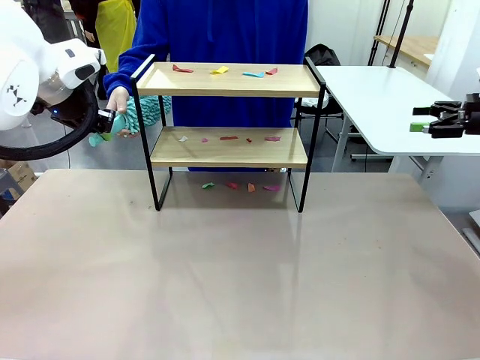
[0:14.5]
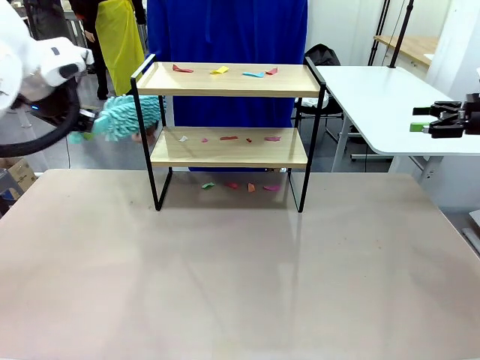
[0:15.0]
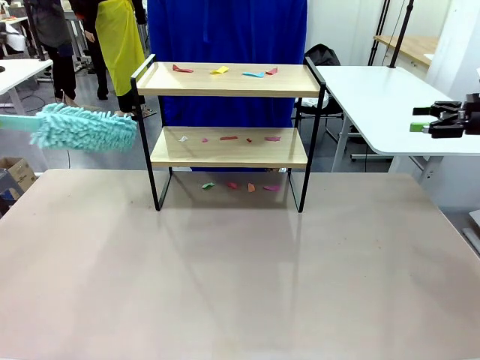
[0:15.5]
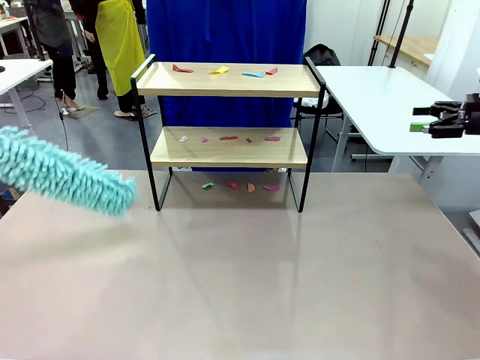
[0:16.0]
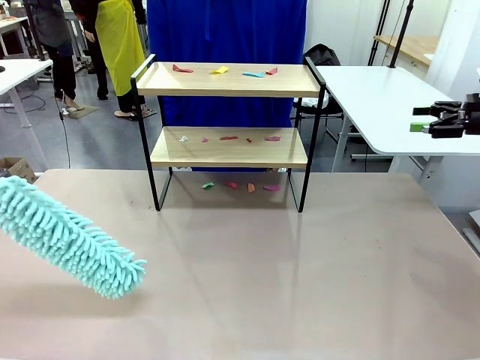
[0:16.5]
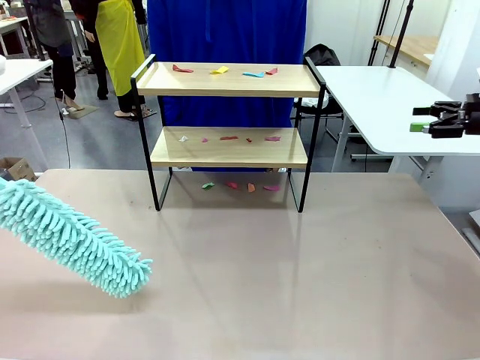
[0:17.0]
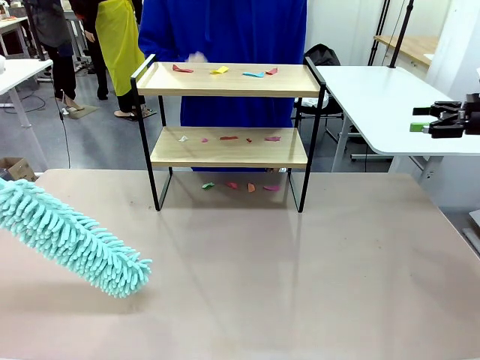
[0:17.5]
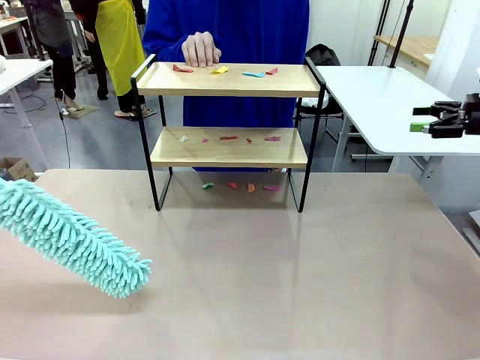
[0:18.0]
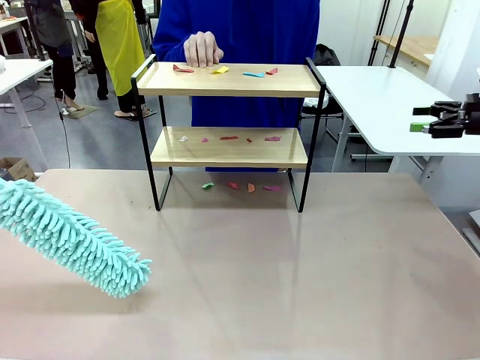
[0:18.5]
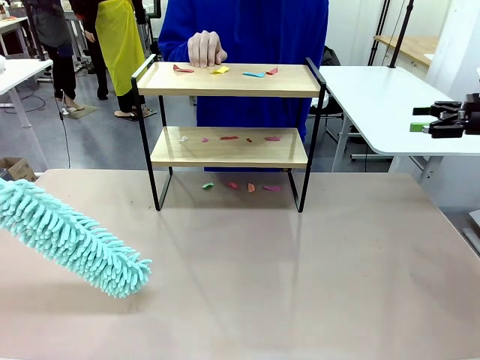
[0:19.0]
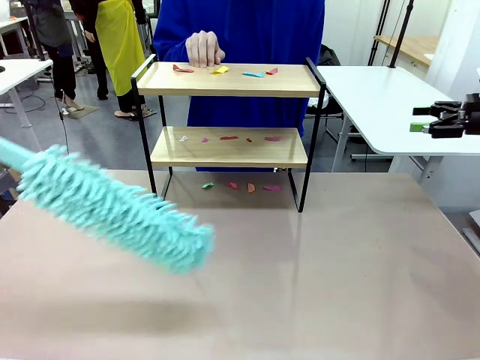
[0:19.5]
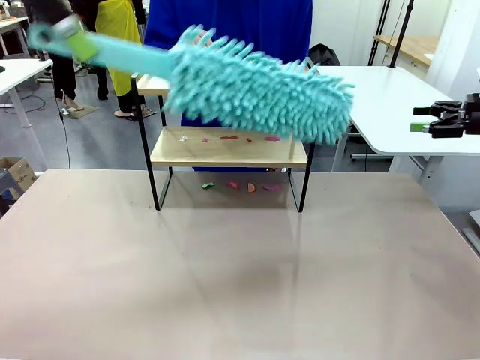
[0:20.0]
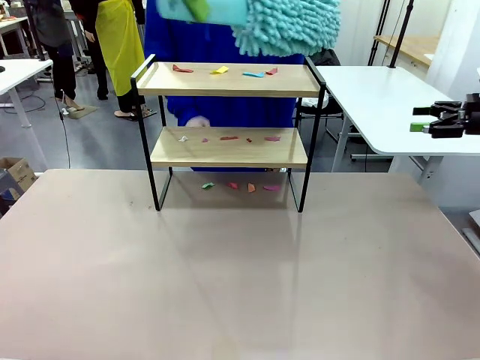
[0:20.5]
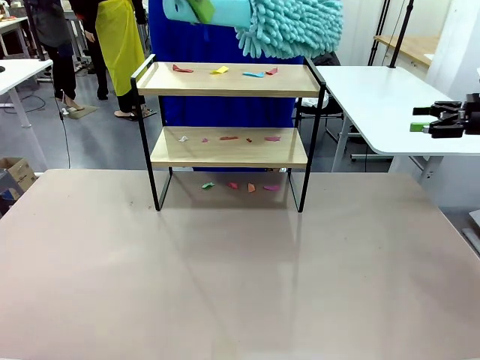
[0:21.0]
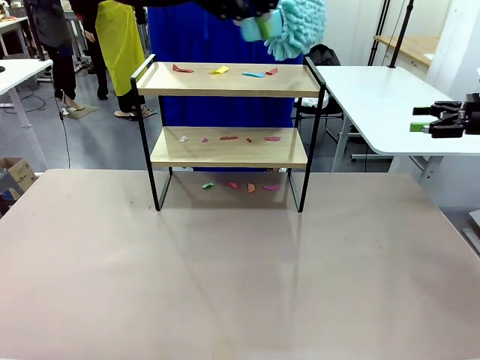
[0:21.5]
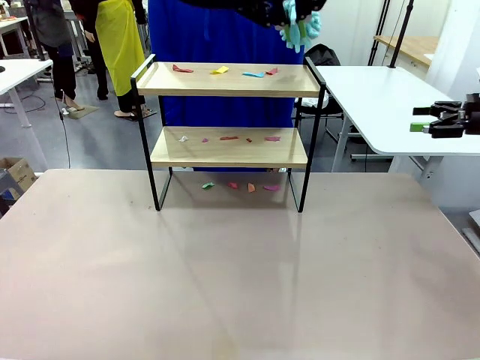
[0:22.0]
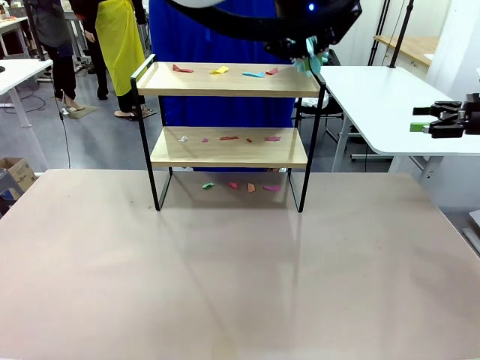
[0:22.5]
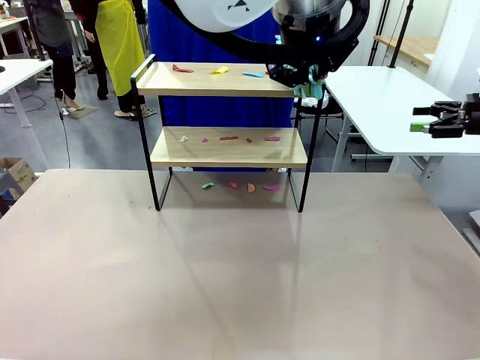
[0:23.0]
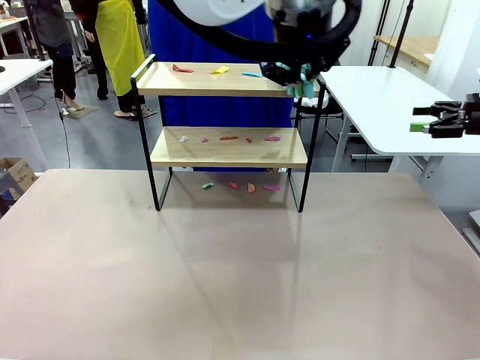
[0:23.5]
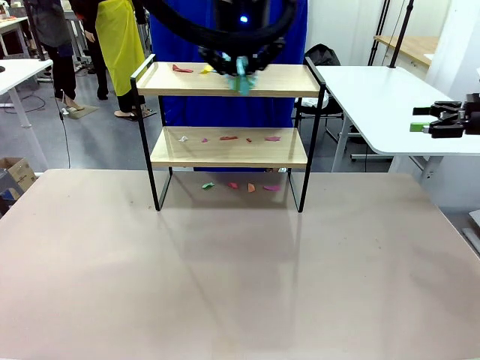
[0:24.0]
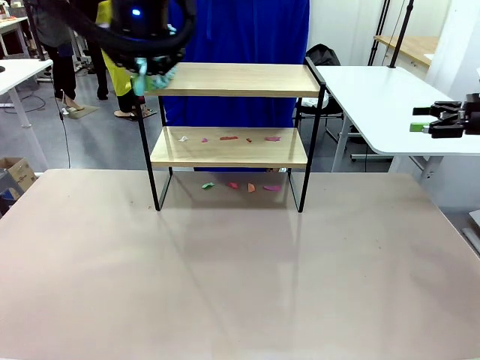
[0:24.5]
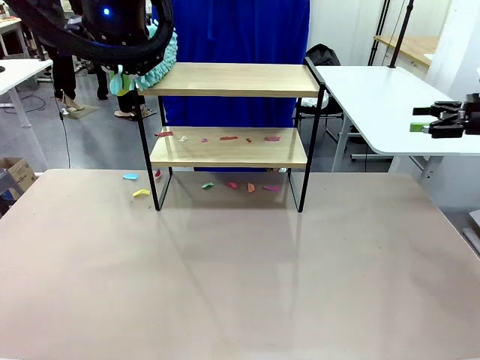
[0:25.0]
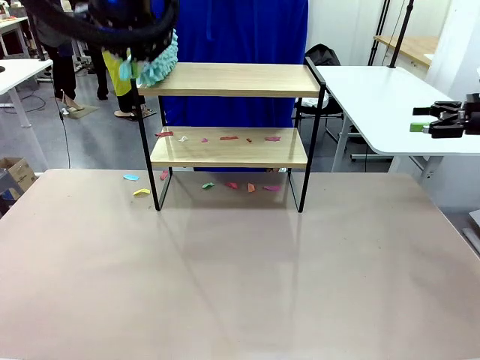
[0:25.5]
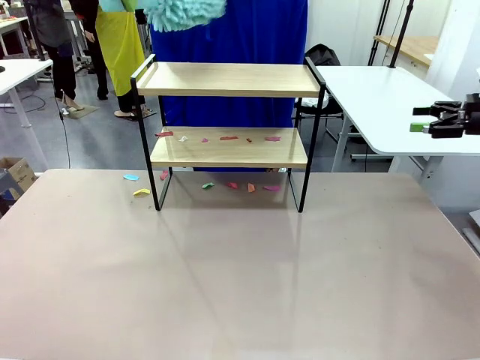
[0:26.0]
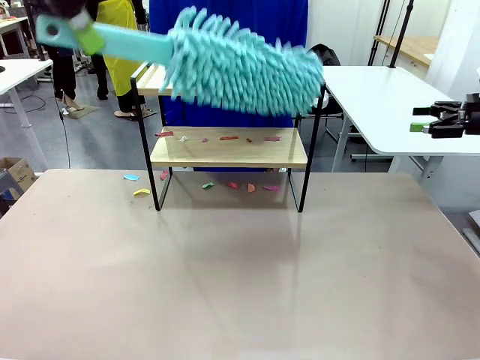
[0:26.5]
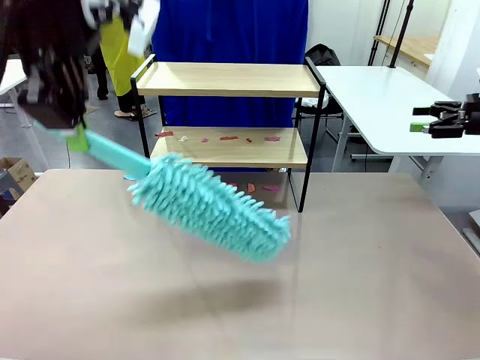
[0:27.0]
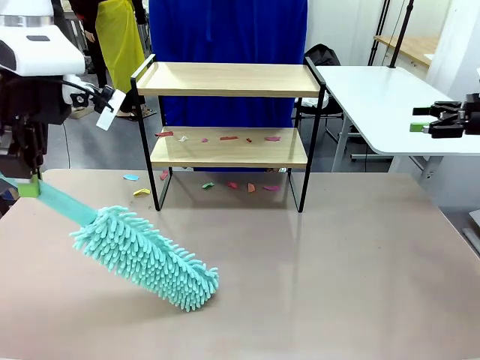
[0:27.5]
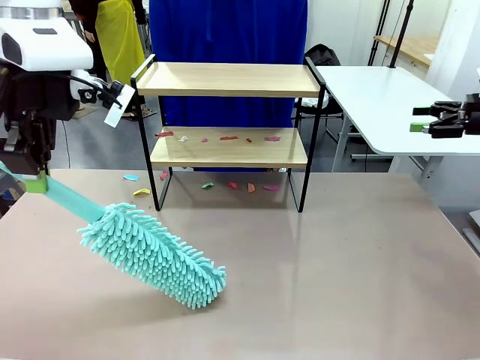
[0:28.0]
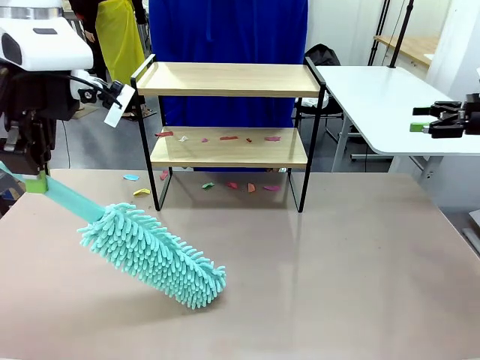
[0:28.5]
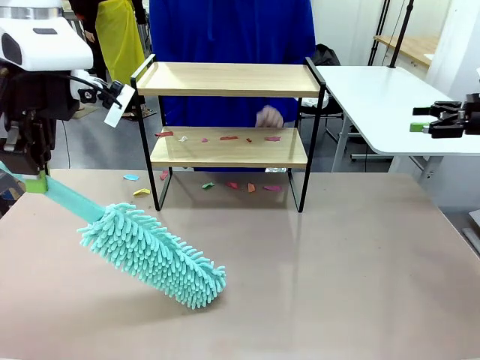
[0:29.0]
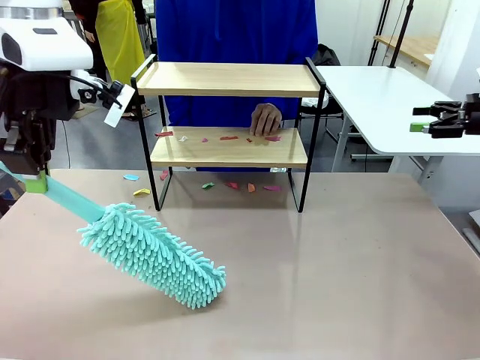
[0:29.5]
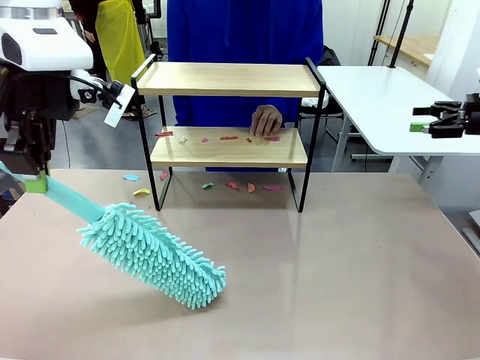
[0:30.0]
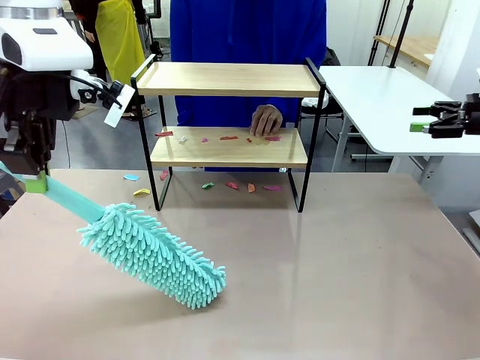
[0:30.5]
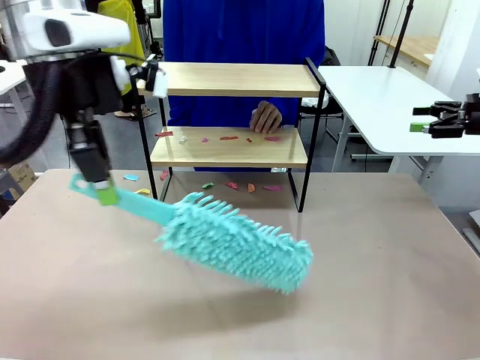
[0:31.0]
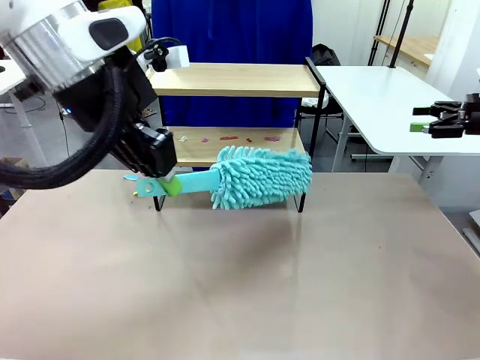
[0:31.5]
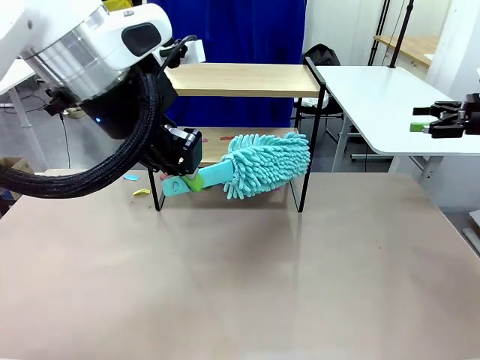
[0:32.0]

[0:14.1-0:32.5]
Task: Clean the shelf.
Robot: Clean the specific section of the Shelf indicated by the human with the Duster.
Person: Point a random section of the Shelf.

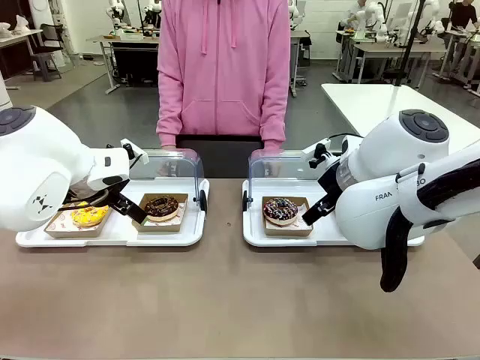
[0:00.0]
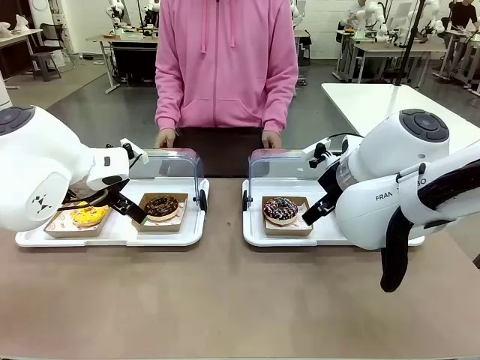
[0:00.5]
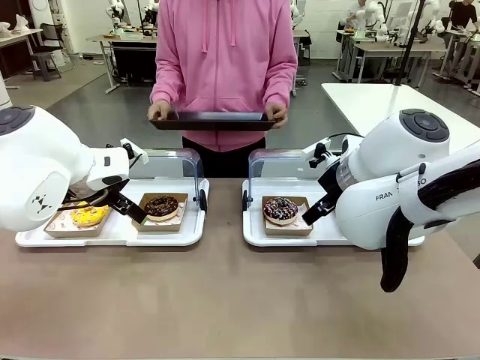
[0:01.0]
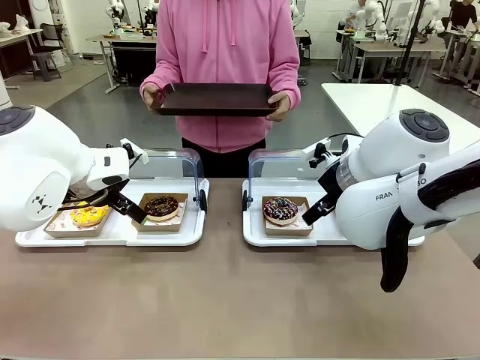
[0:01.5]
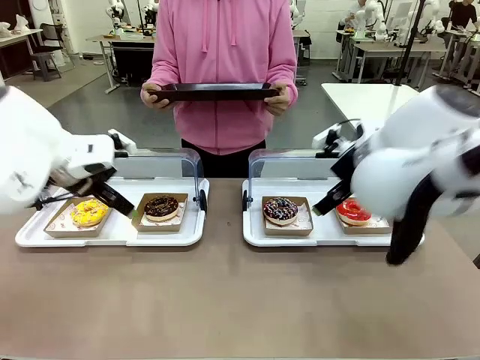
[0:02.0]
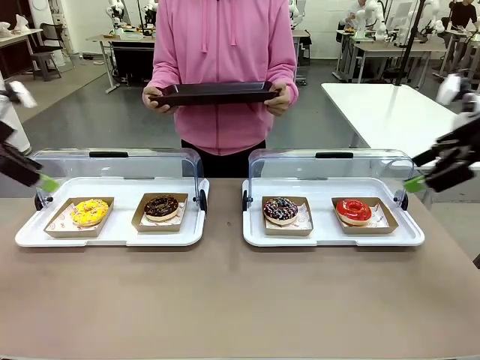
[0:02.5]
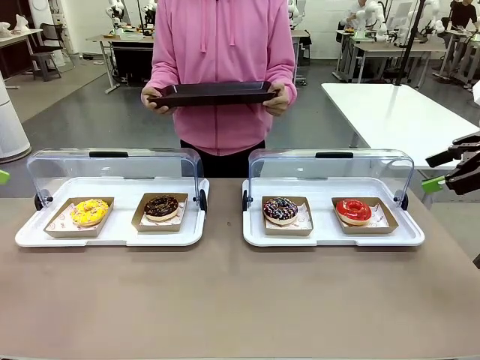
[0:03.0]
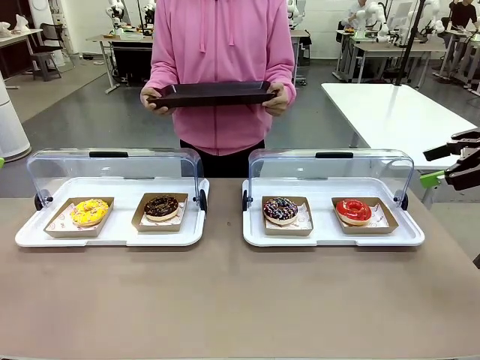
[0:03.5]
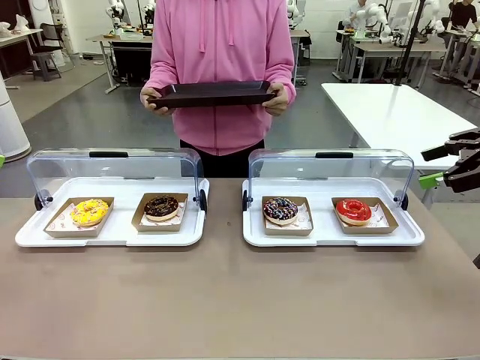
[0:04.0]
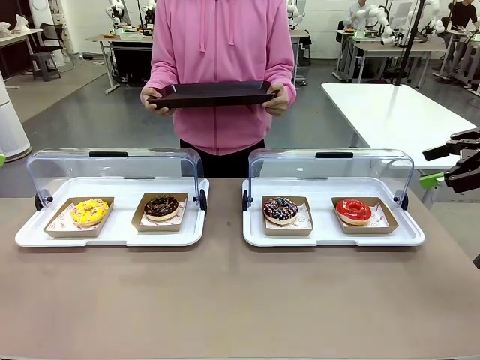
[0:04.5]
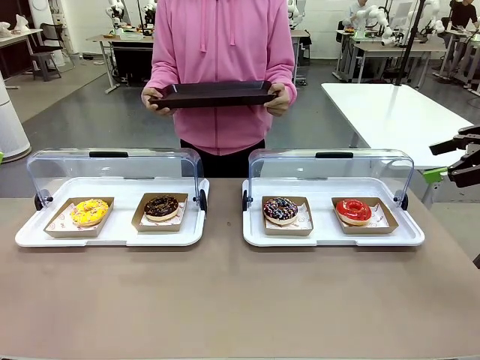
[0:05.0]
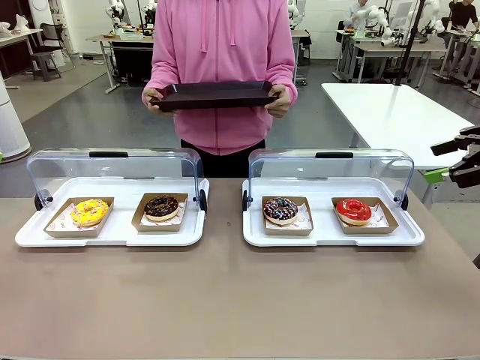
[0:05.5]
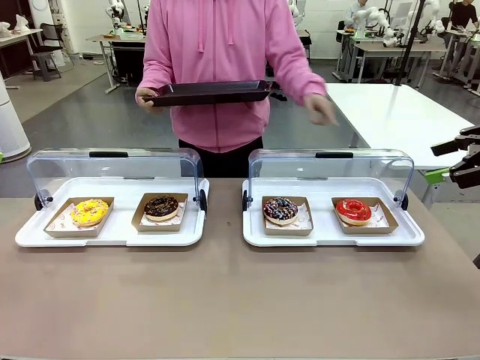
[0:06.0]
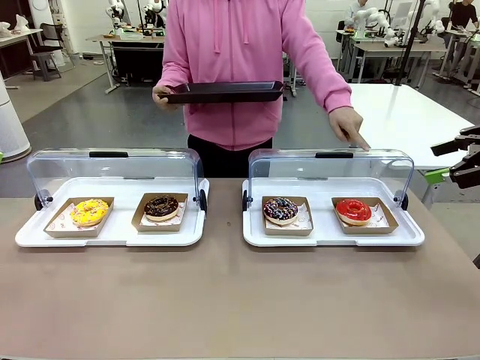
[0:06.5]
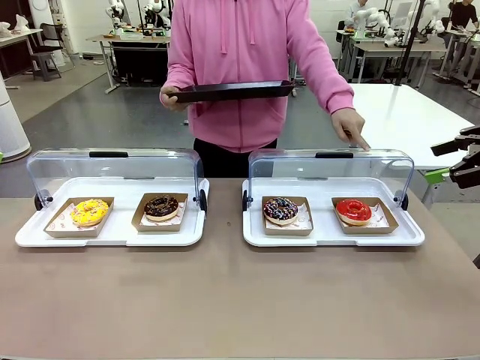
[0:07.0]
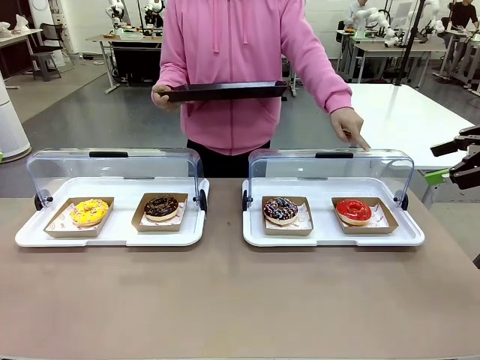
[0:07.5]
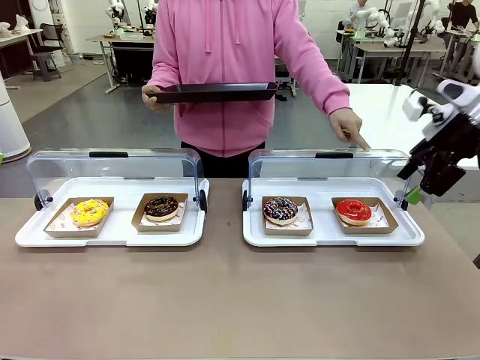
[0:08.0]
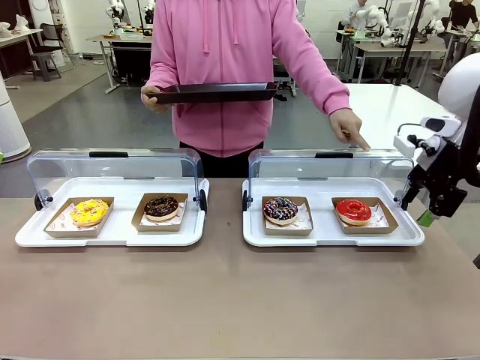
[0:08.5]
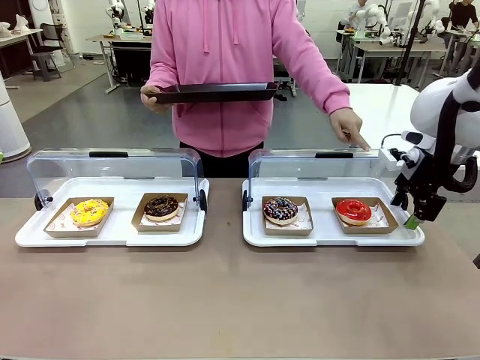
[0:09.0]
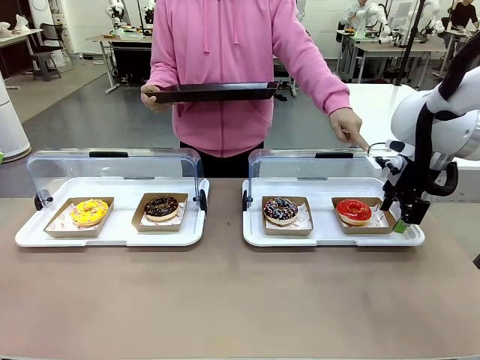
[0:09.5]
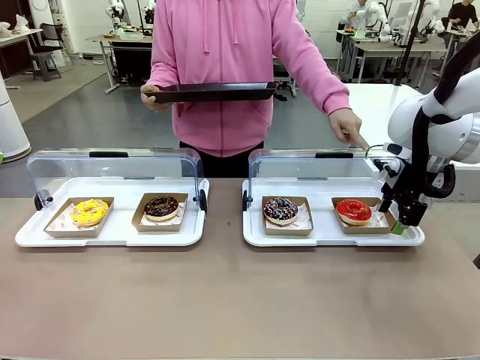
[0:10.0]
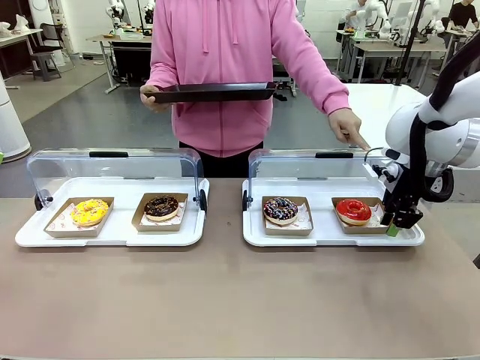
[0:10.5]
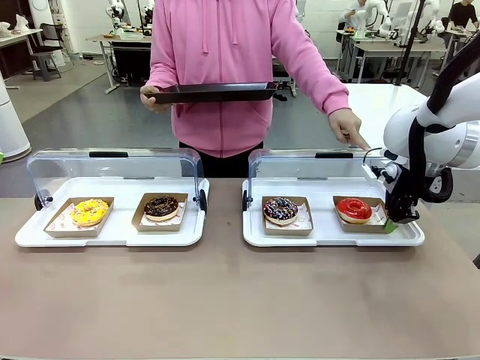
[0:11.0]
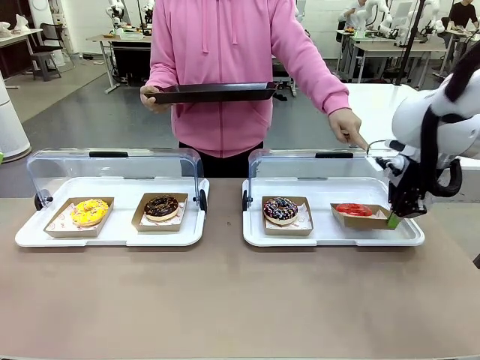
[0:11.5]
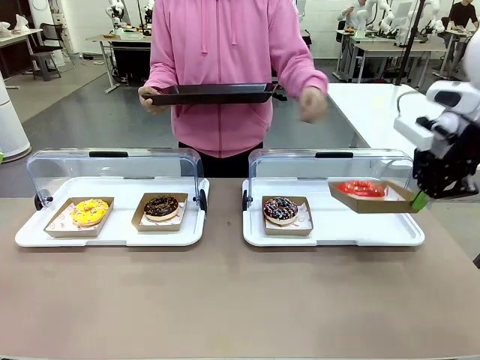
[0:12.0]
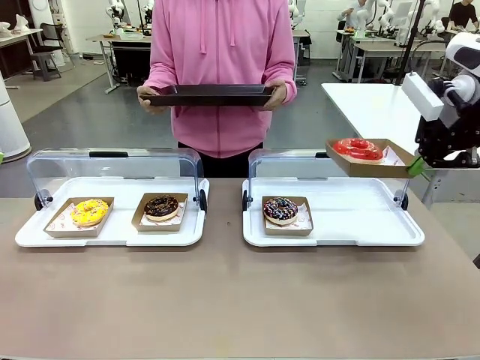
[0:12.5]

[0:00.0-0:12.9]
Task: Provide the desired donut to the person.
Robot: Pick up and lift the Paper togo box containing the Donut pointed at by the person.
Person: Point to one donut. Lift the tray onto the Roll-Top Bakery Case.
